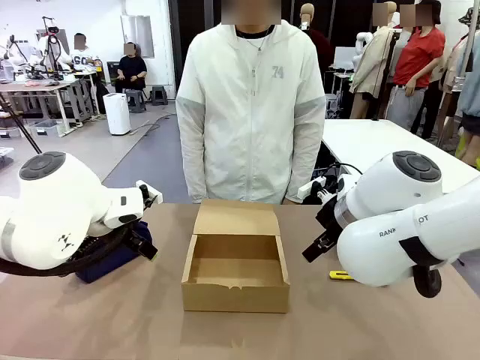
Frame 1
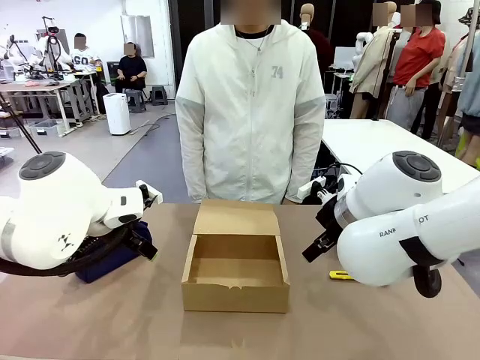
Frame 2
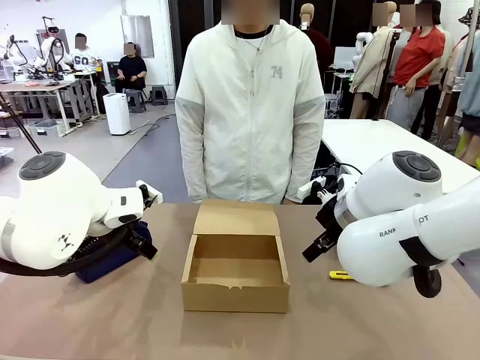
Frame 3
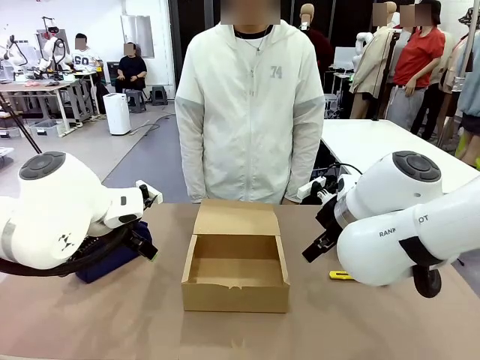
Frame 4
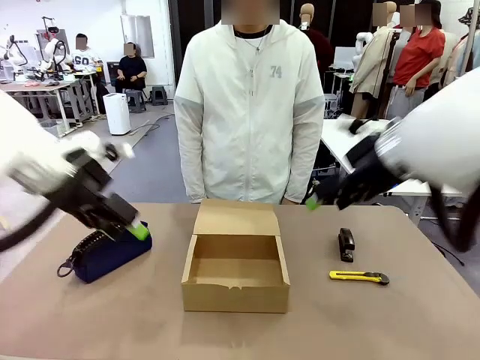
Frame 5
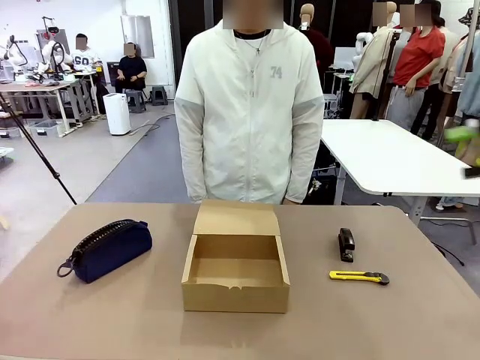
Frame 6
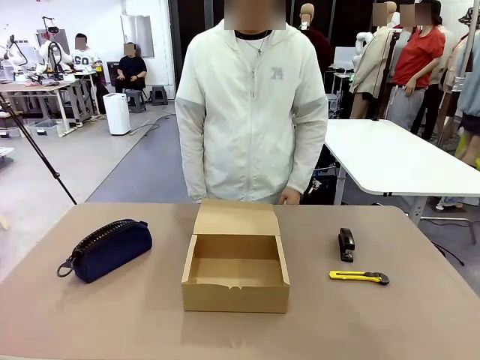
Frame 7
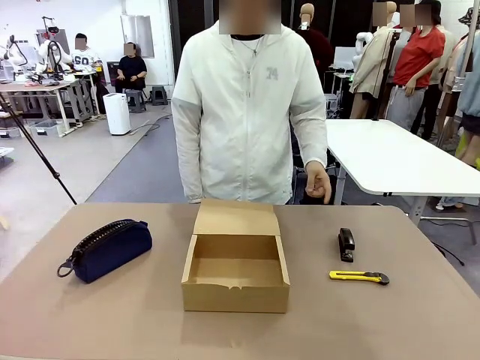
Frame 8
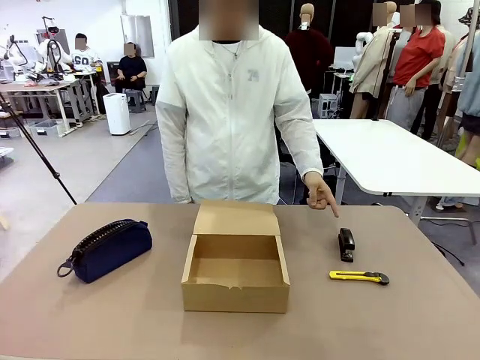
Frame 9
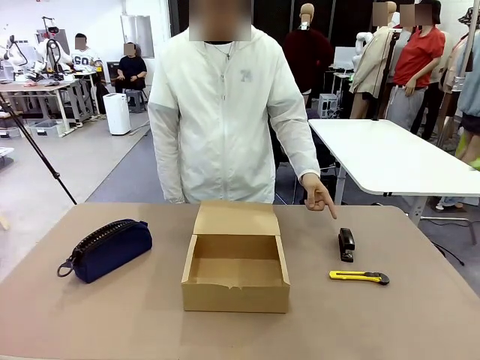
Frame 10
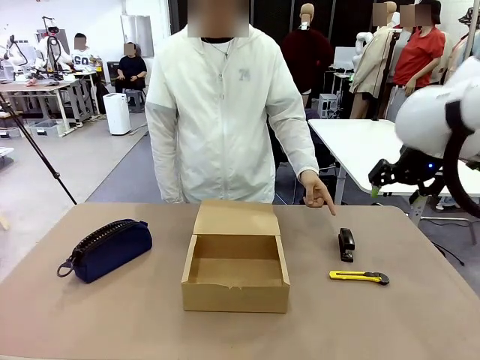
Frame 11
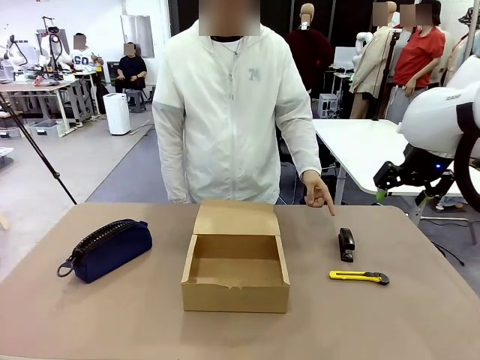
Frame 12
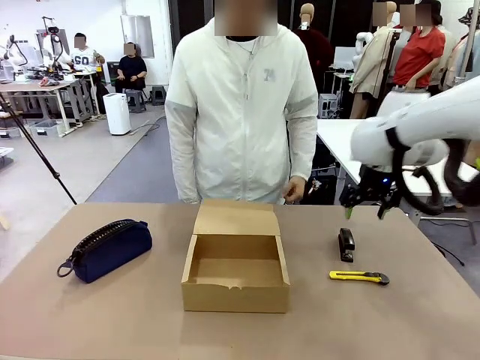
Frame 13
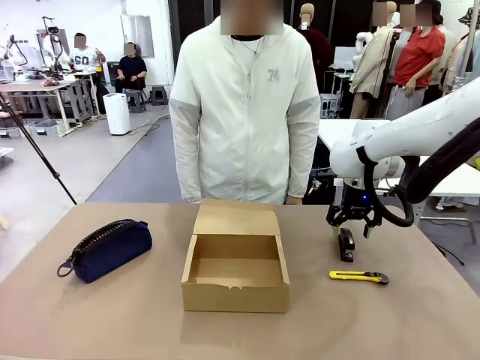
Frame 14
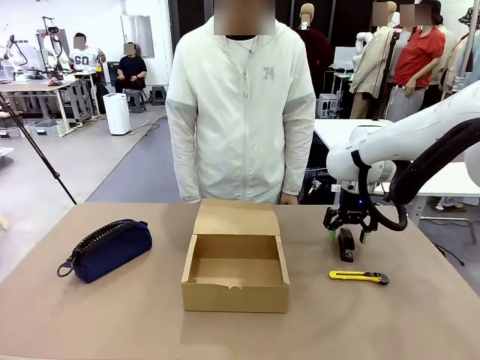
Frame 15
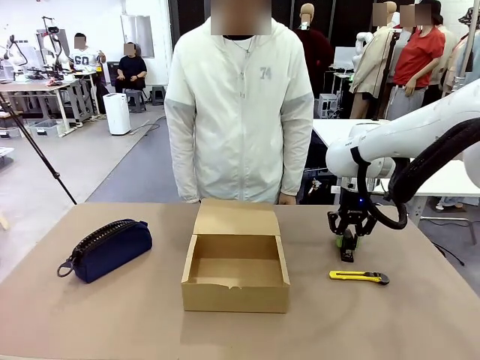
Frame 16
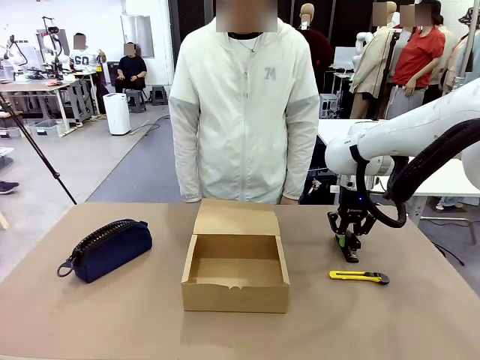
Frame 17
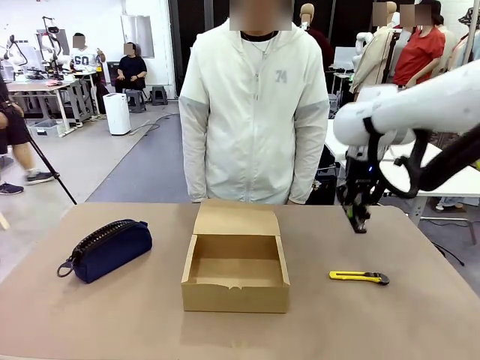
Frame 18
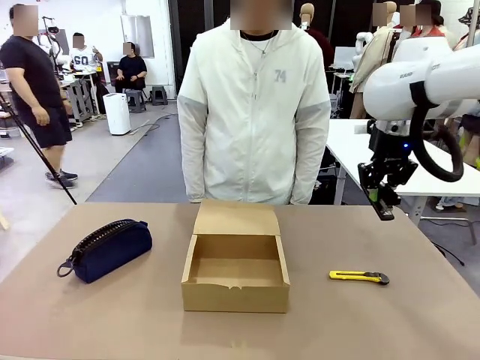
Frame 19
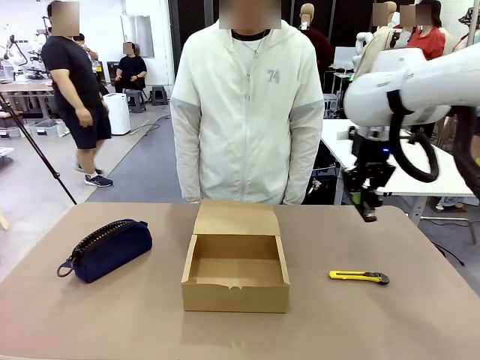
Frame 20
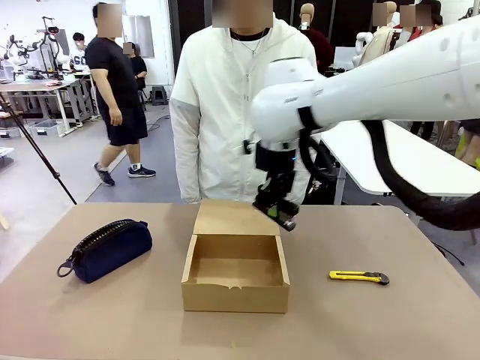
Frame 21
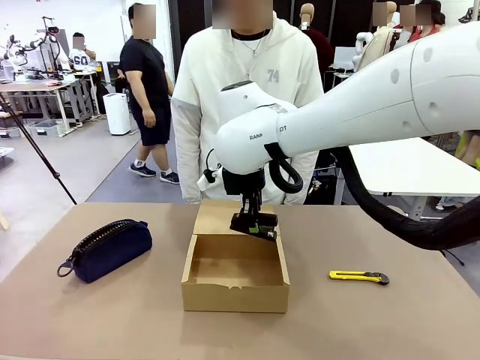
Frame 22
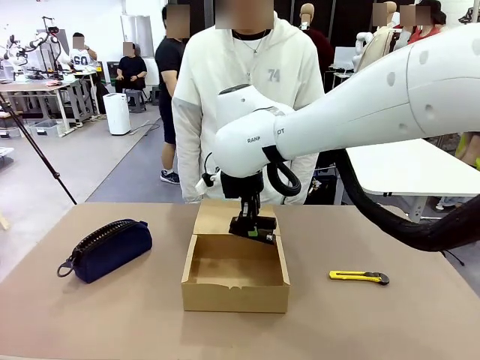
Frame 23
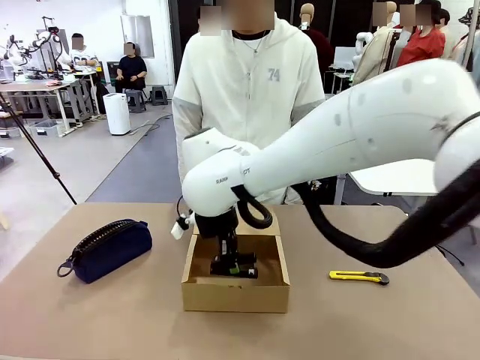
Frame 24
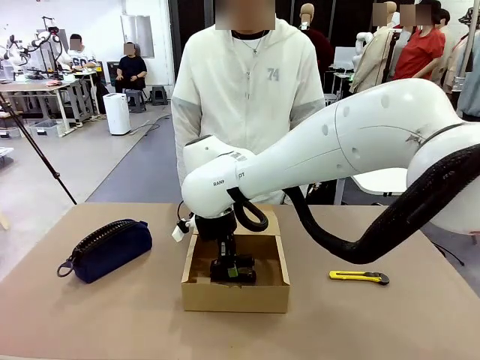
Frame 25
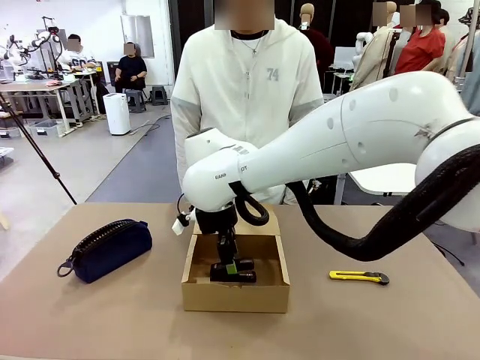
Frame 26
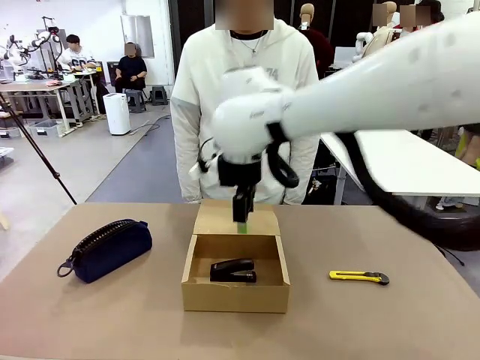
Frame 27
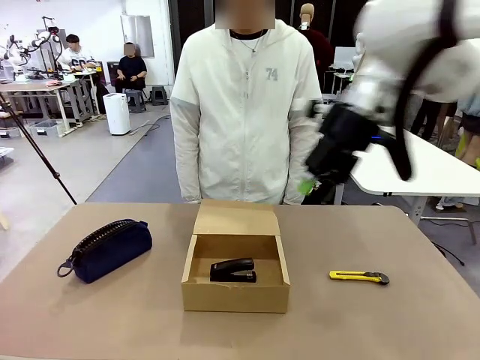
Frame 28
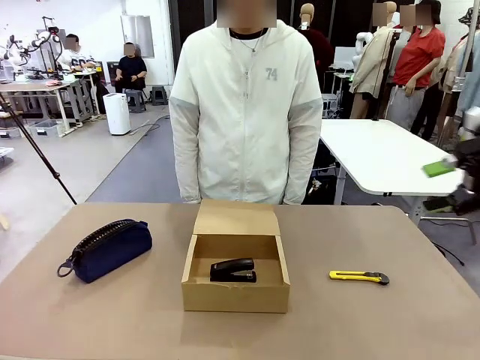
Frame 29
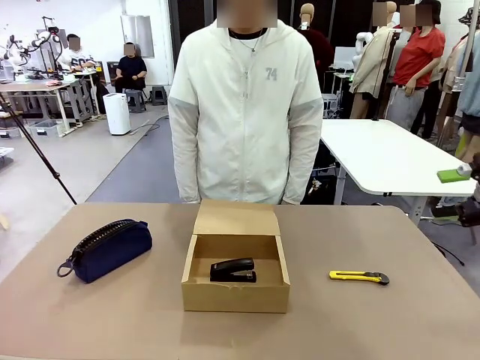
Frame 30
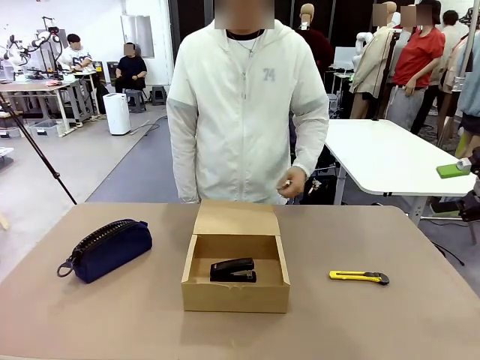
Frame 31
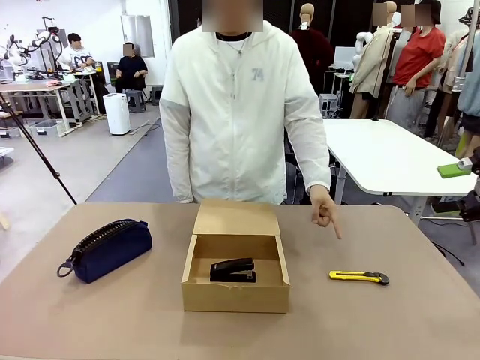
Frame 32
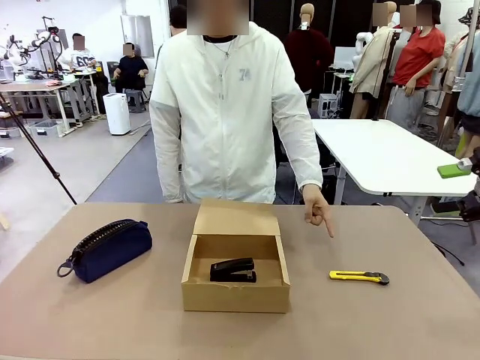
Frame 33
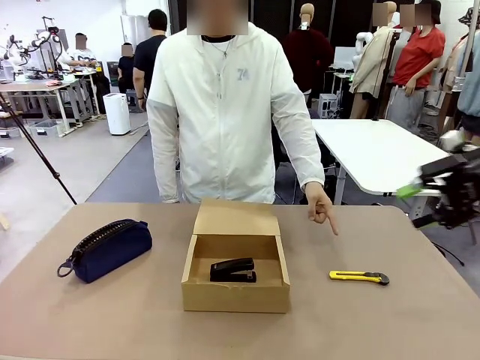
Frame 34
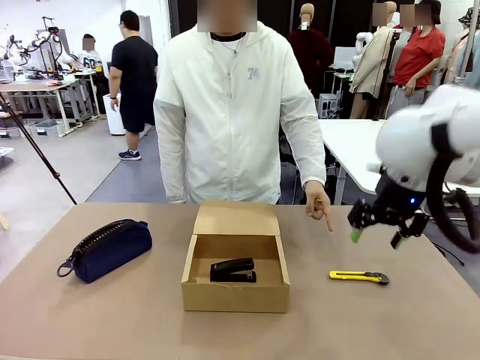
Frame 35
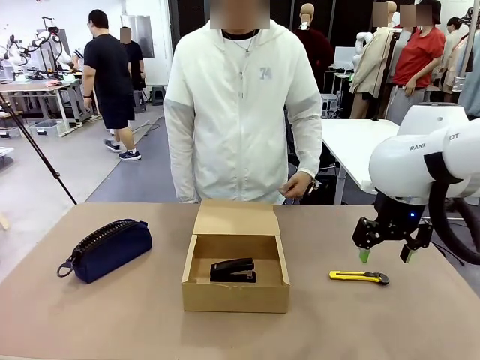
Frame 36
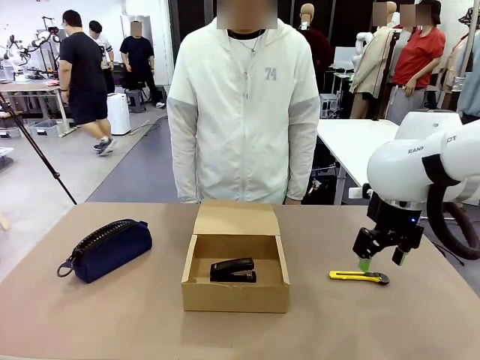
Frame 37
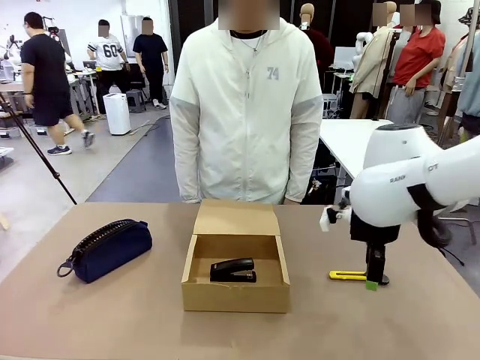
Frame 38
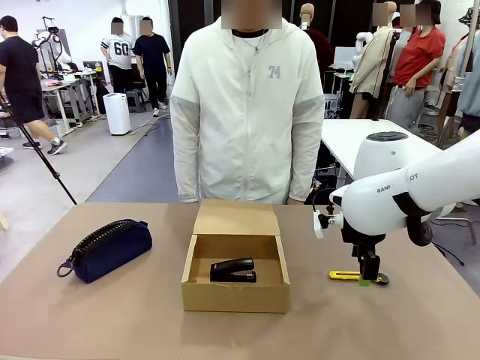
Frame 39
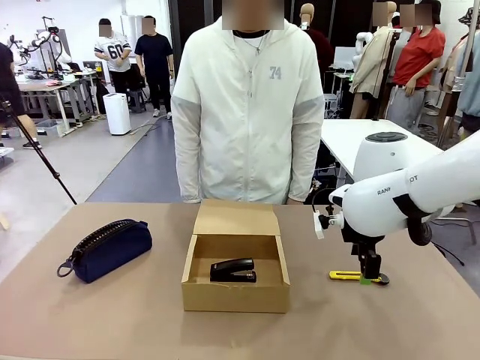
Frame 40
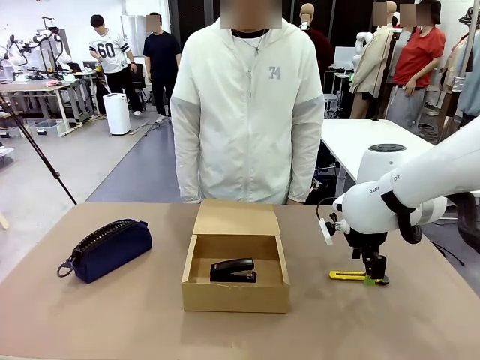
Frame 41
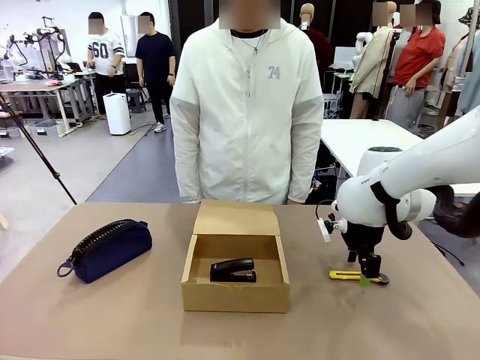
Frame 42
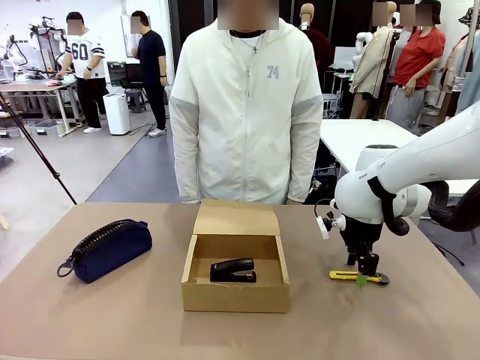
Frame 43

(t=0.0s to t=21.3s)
Task: Pack the items into the box.
Robot: Pick up the item indicated by the person and place it inside the Mailer Box.
Person: Point at one item on the table (excluding the box).

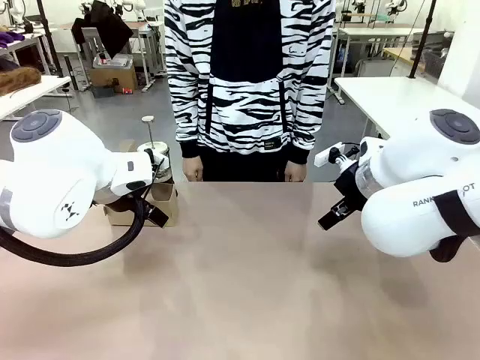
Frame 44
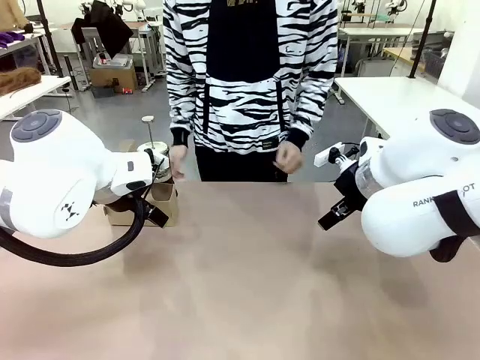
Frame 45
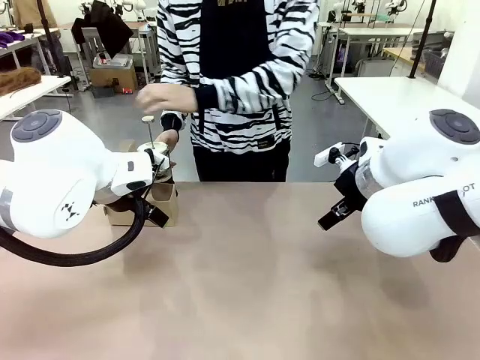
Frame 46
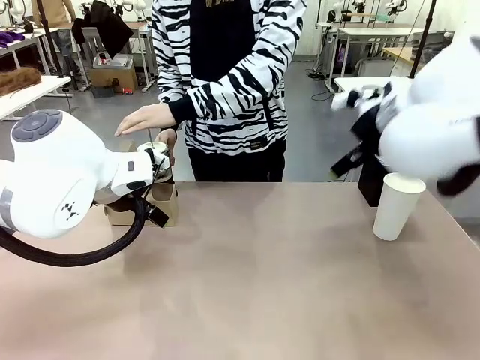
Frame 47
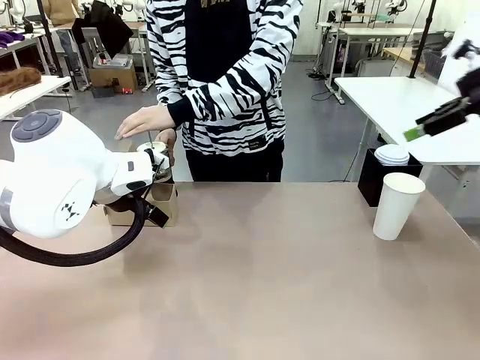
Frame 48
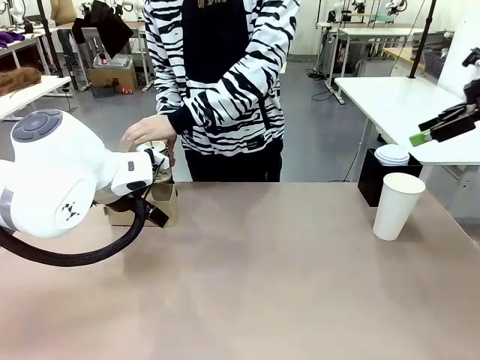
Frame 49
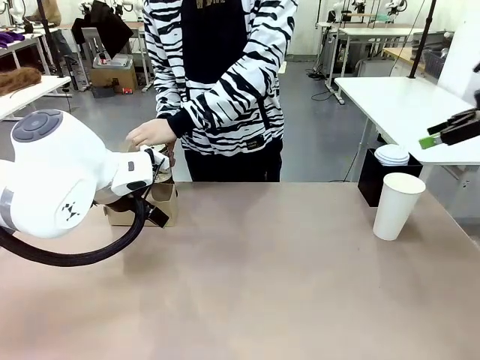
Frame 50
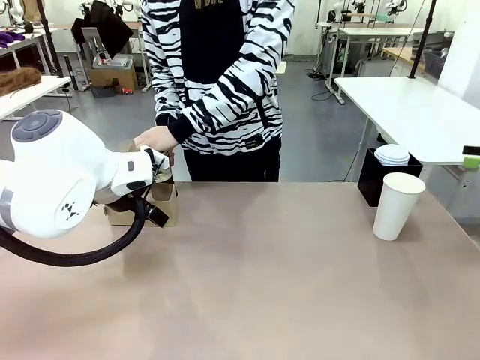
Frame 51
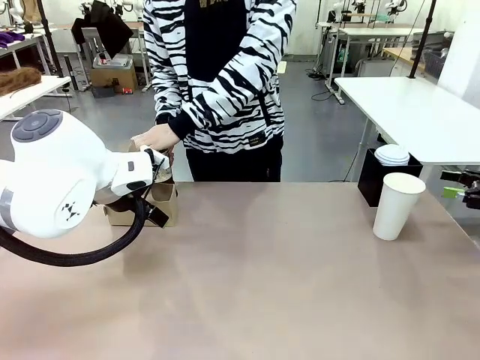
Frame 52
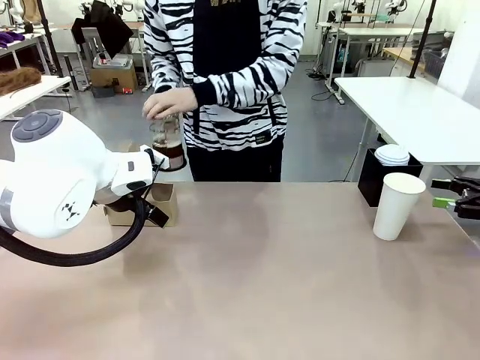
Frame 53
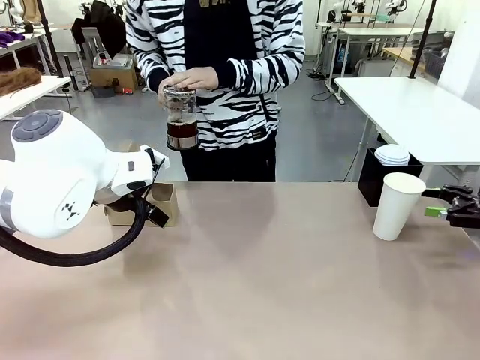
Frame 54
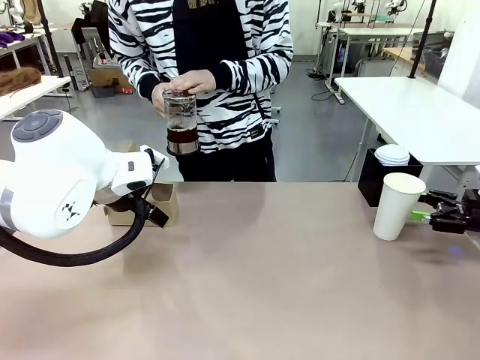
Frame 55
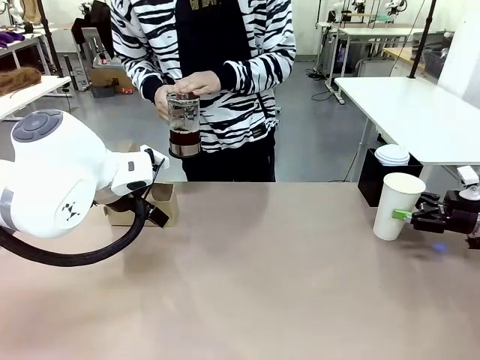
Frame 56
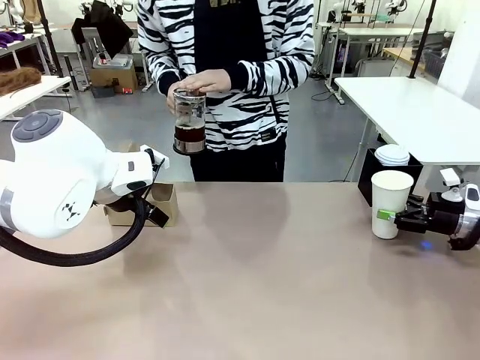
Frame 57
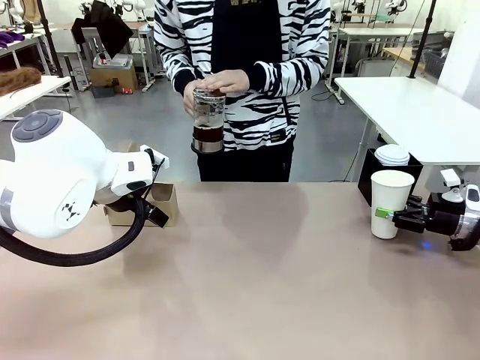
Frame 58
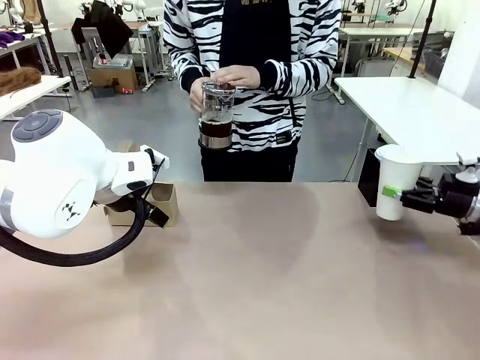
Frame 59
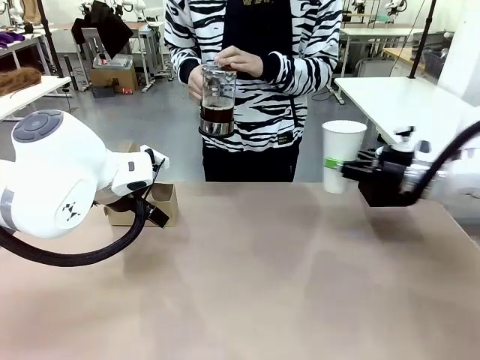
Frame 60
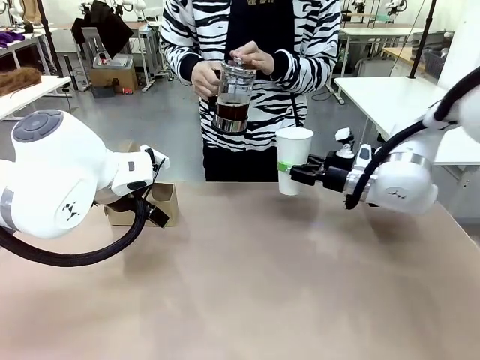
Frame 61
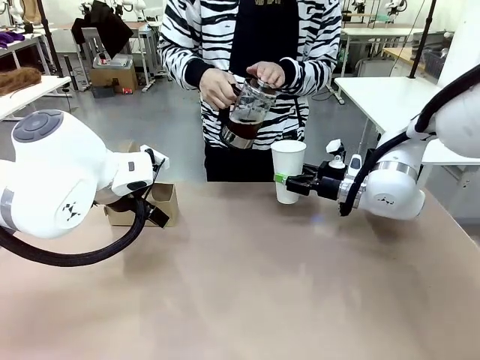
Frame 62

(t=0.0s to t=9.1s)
Task: Pour a drink into a cup and package it in a carrier.
Robot: Pick up the 600 ml Paper Cup and place it in the middle top area of the table.
Person: Press and pick up the Filter Brewing.
